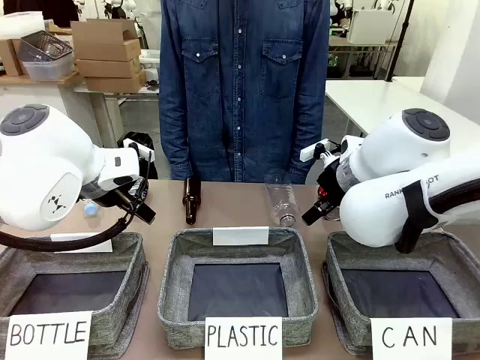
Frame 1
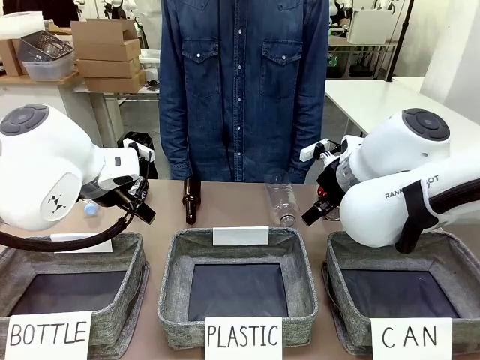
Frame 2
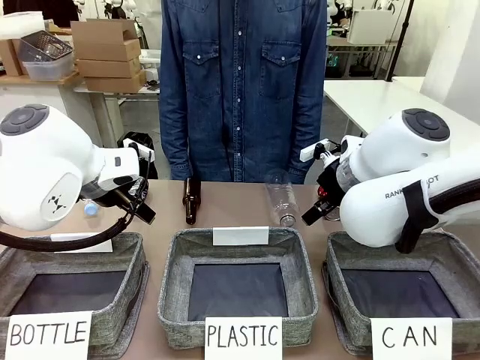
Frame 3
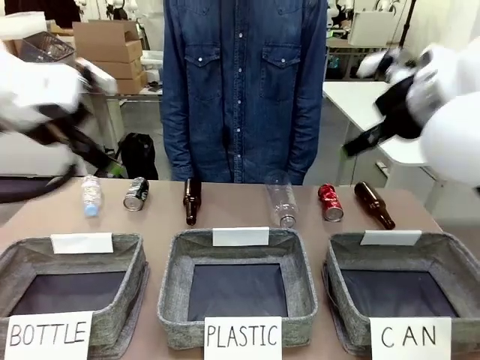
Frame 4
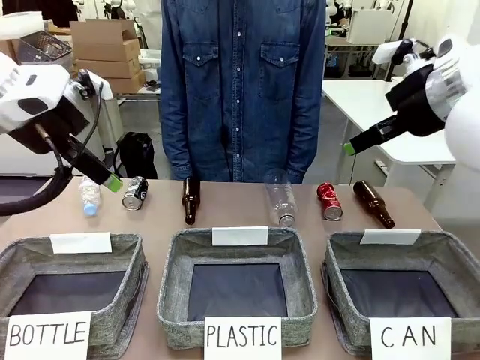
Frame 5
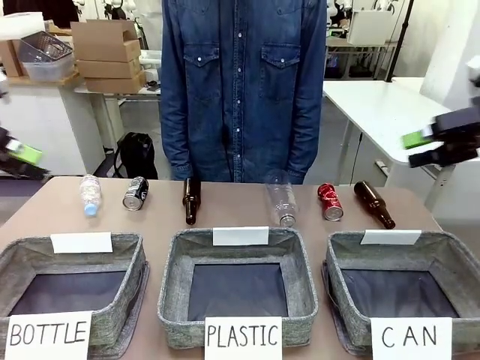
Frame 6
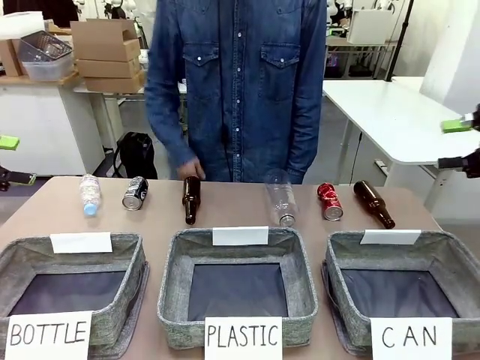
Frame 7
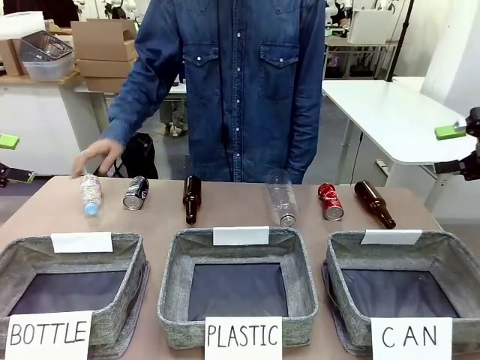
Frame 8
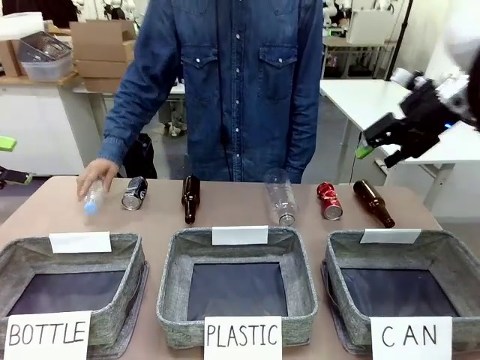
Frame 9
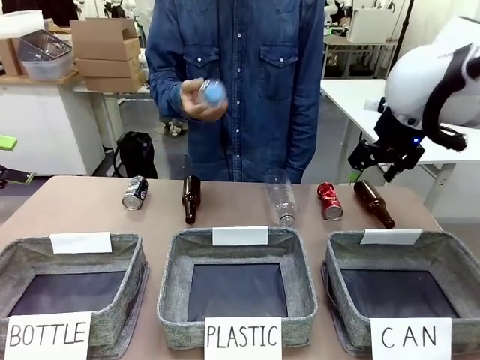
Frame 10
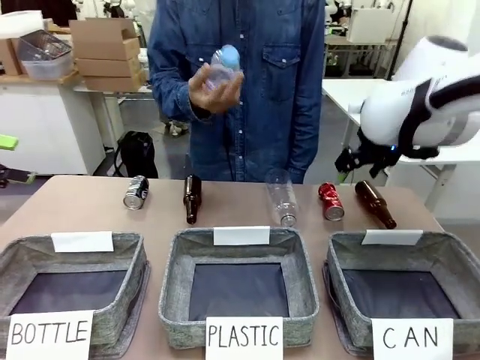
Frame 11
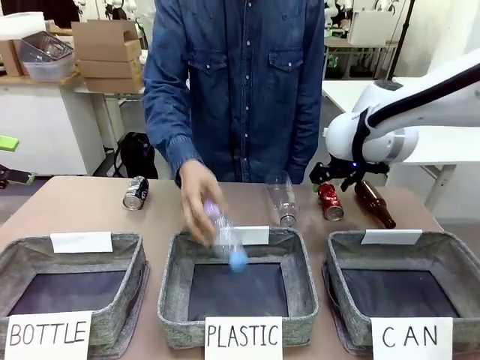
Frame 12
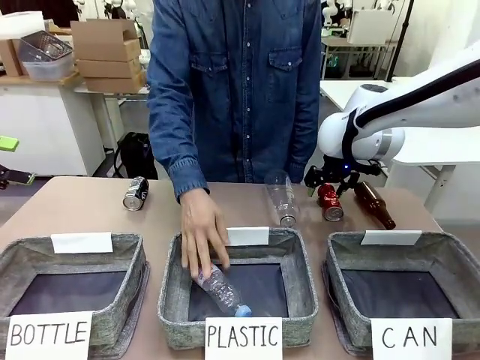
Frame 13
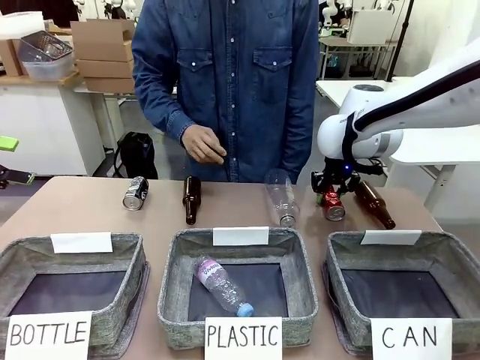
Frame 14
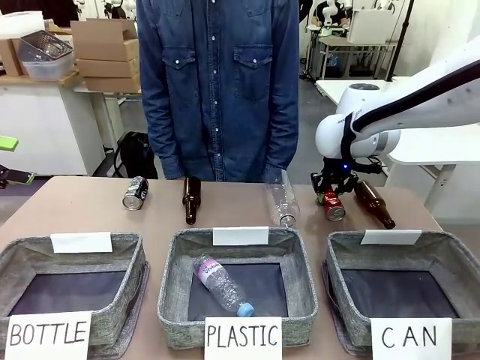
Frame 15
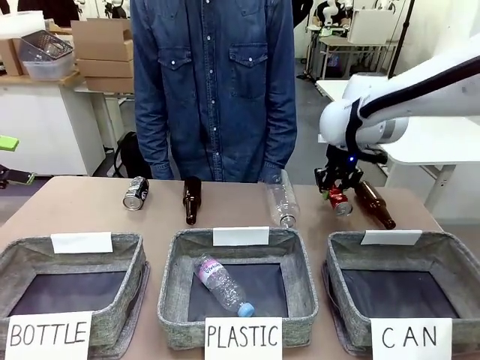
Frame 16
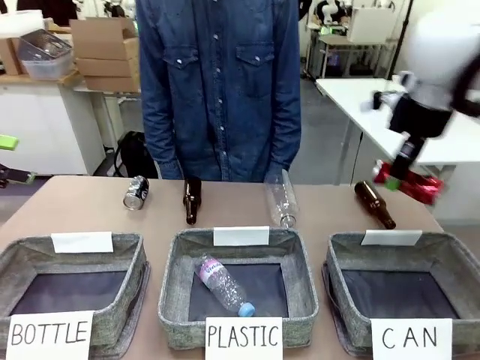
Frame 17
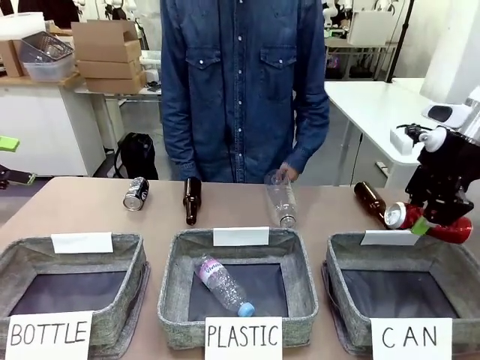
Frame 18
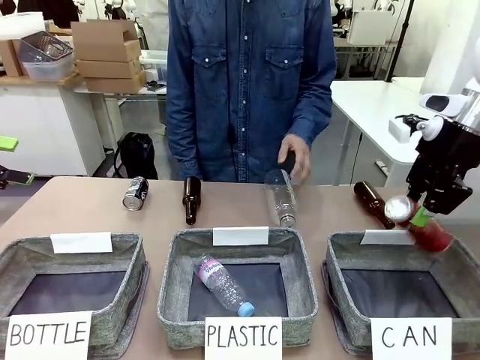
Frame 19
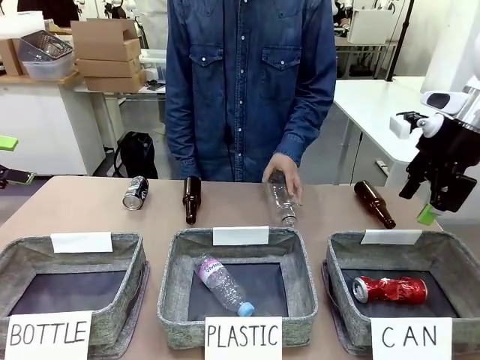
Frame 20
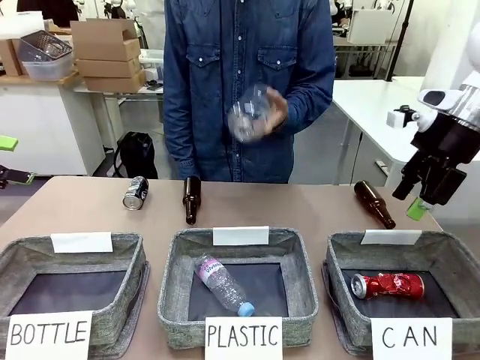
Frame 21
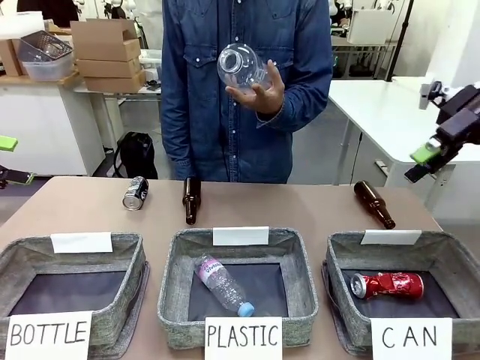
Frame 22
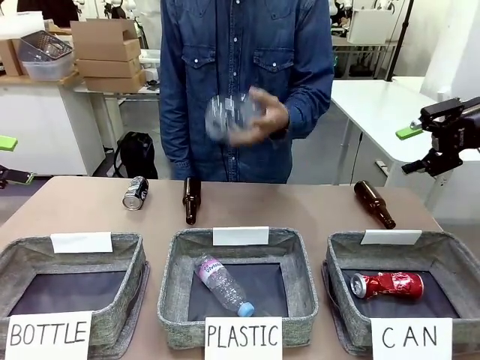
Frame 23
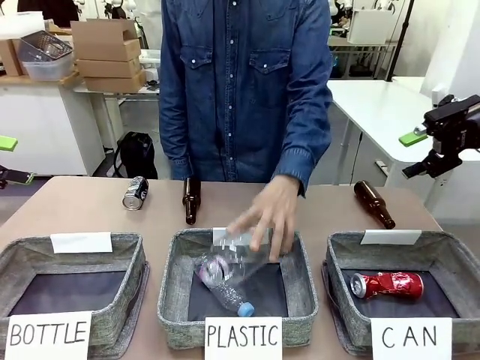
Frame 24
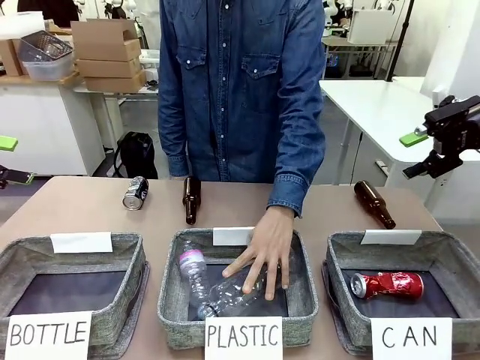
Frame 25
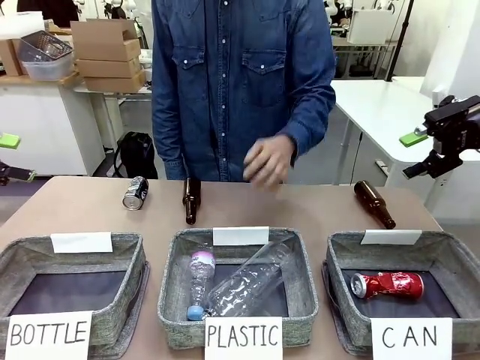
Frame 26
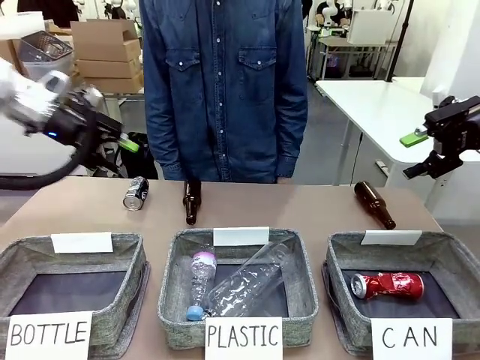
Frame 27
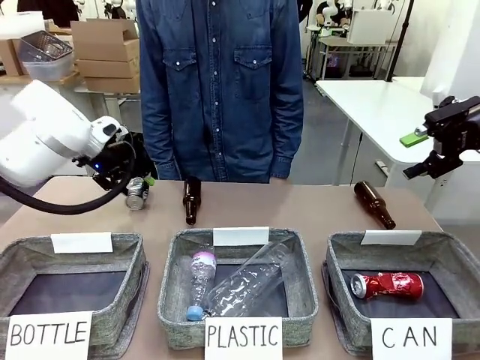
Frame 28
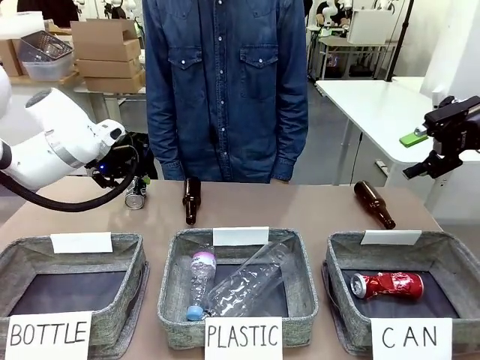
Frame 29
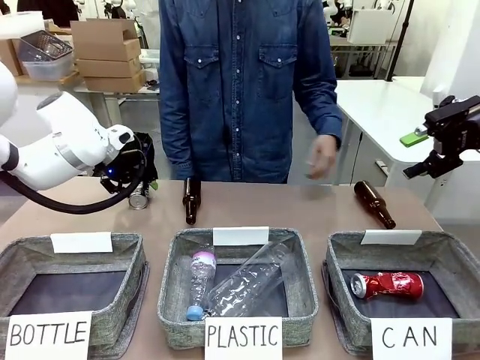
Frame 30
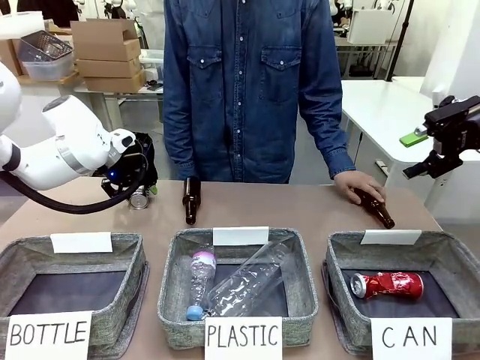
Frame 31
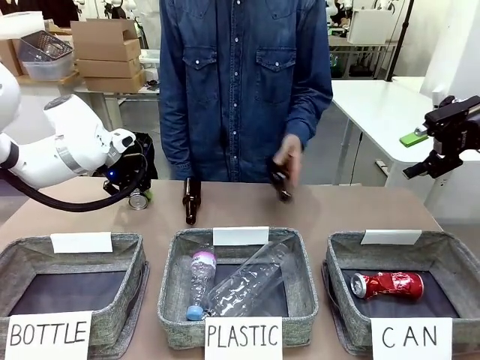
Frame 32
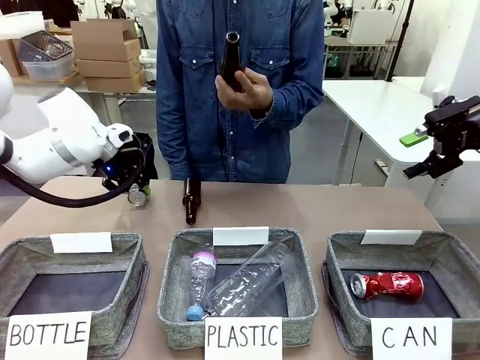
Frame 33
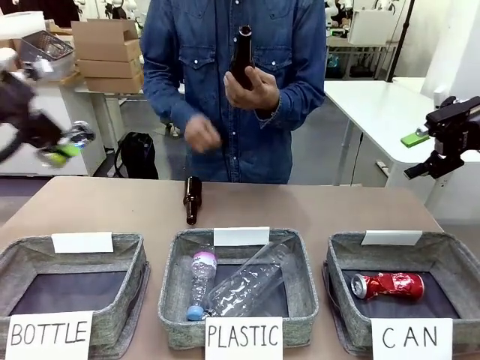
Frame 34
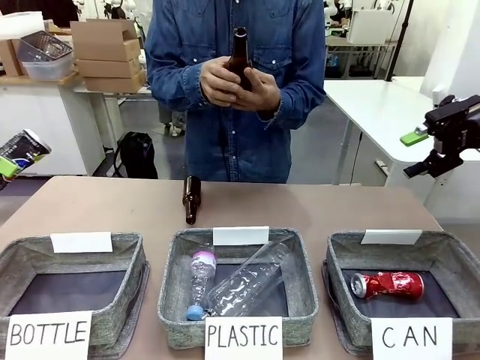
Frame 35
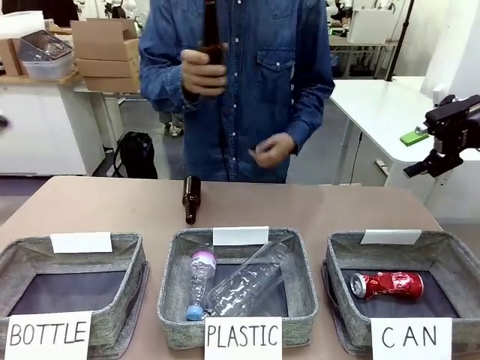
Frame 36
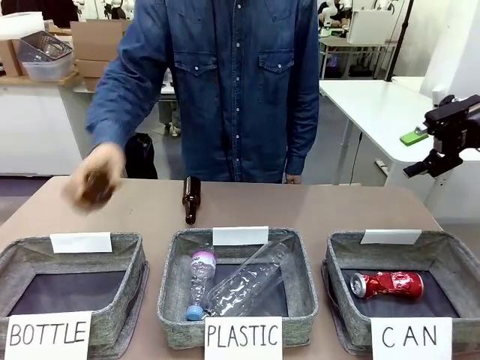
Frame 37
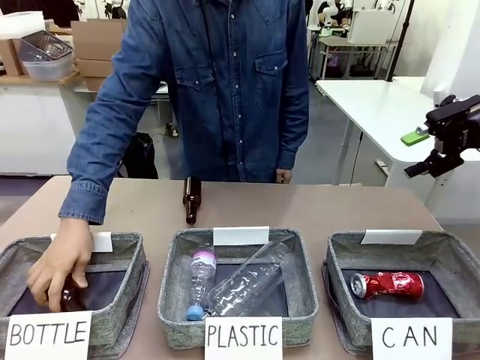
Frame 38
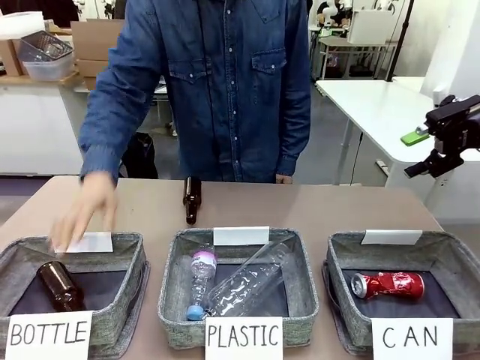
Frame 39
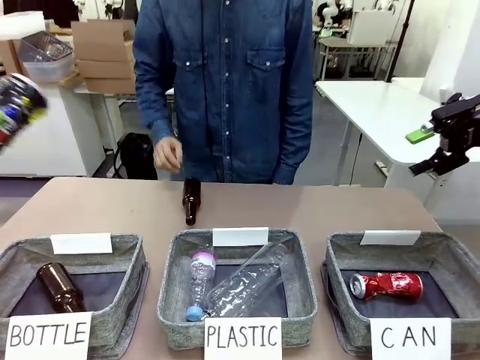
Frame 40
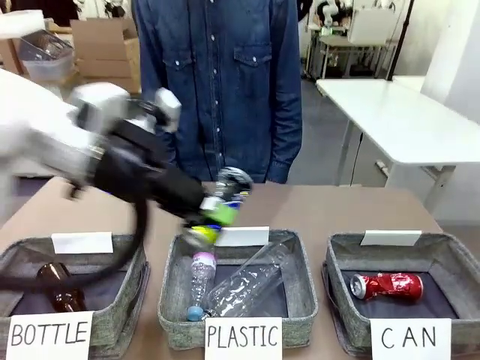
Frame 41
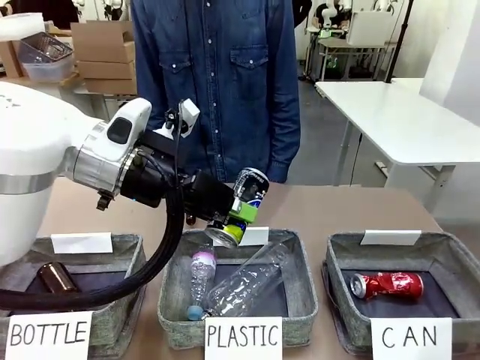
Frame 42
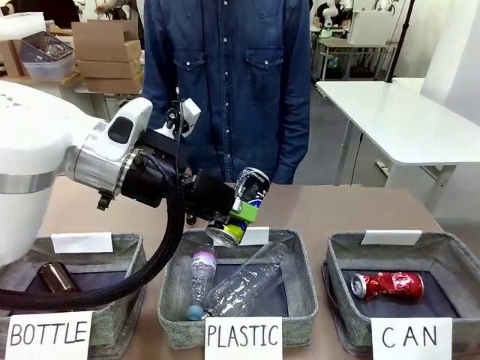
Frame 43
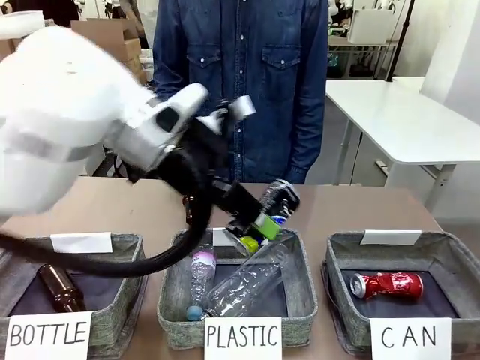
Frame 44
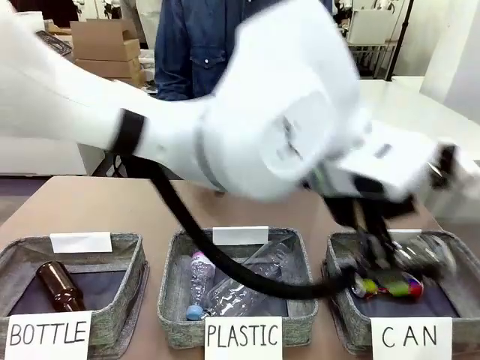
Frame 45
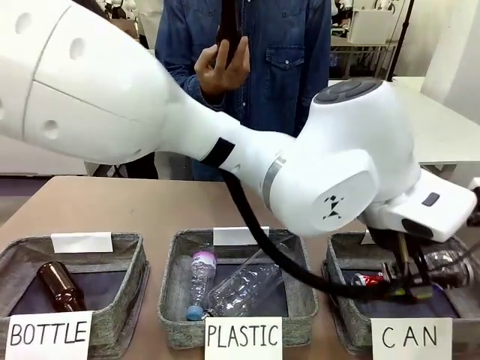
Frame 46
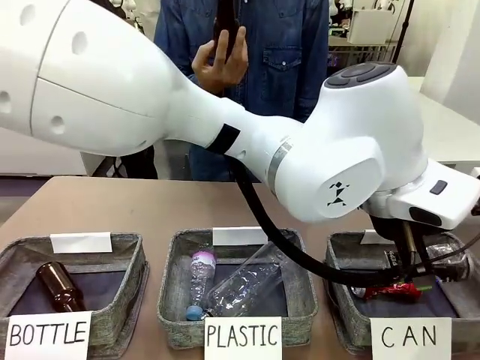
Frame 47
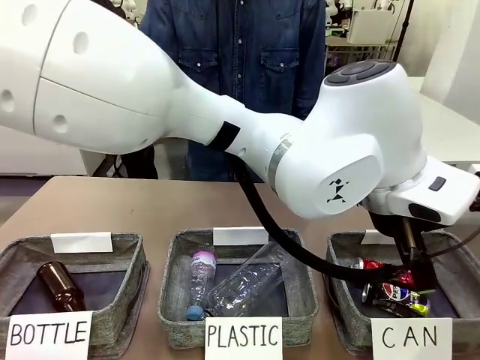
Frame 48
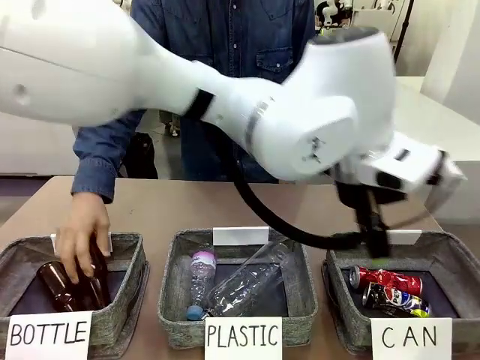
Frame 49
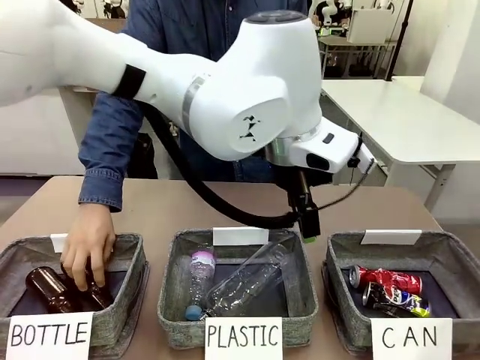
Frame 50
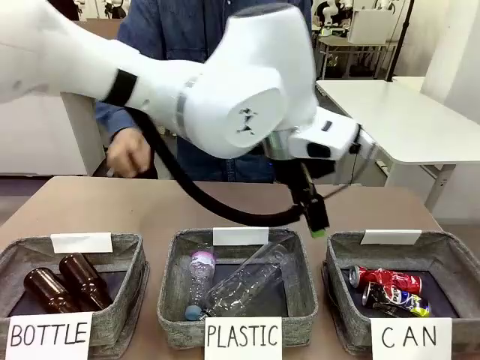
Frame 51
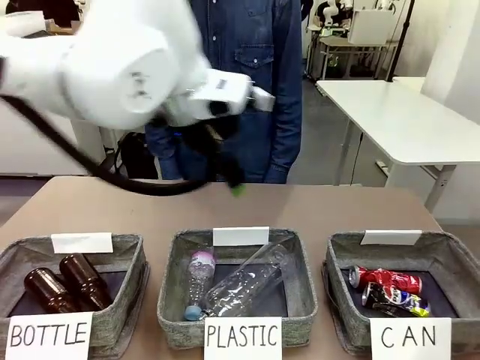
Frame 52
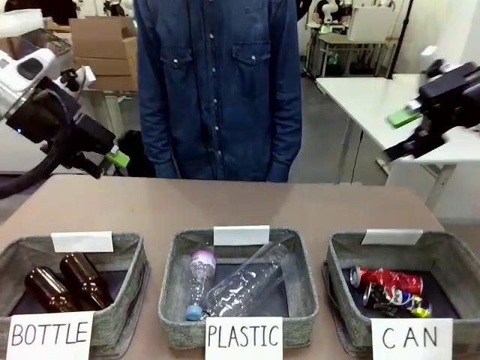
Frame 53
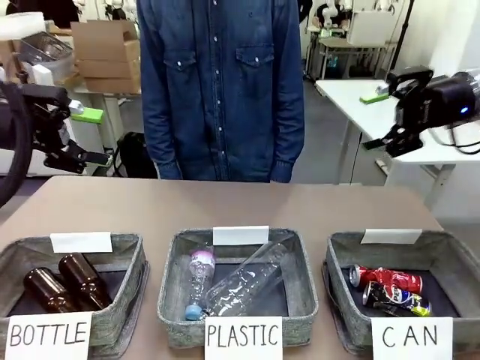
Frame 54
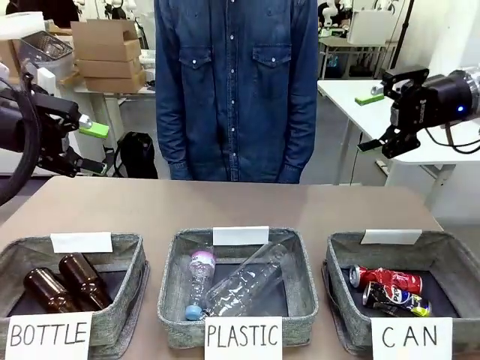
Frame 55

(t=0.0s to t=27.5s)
Task: Sort the can waste into the basket.
Robot: Pick up the can waste from the table and place it in the right Fabric basket.
Person: The human picks up one piece of trash that is not a can and places the trash into the appropriate organizing basket.
